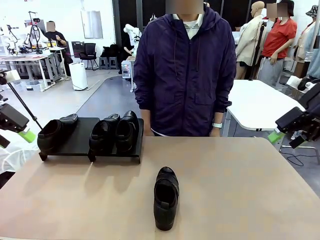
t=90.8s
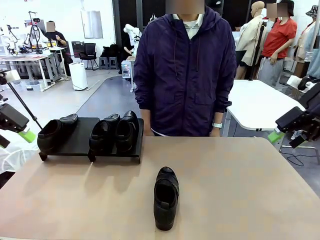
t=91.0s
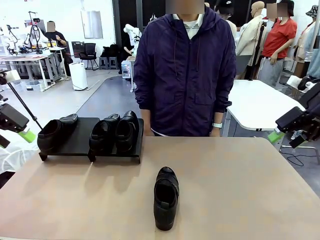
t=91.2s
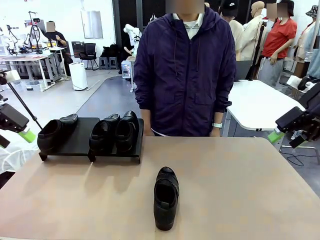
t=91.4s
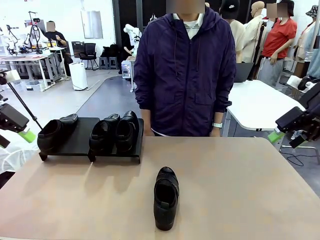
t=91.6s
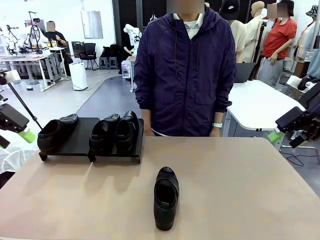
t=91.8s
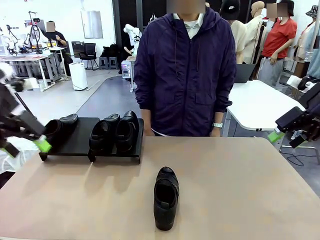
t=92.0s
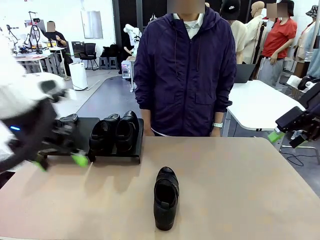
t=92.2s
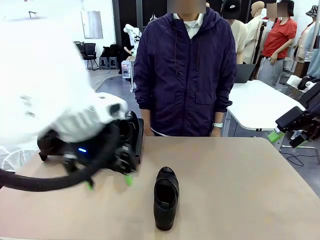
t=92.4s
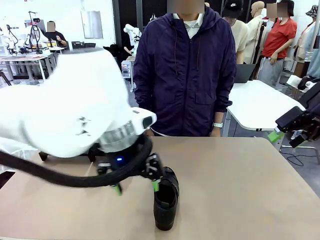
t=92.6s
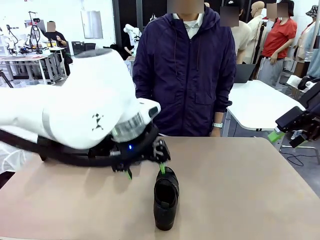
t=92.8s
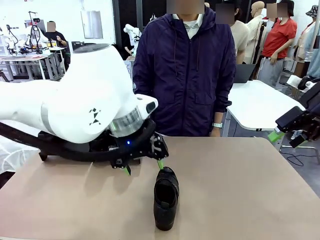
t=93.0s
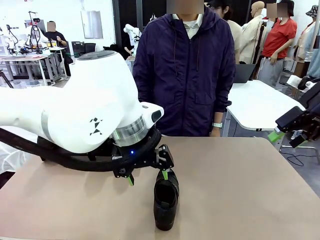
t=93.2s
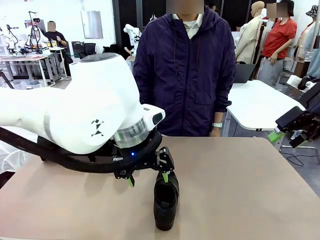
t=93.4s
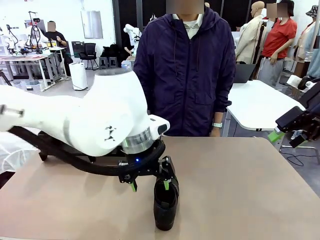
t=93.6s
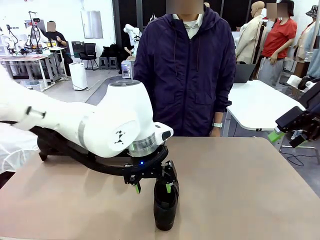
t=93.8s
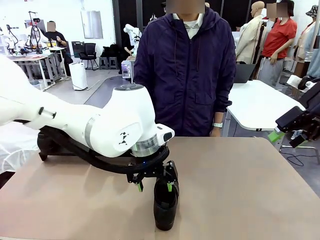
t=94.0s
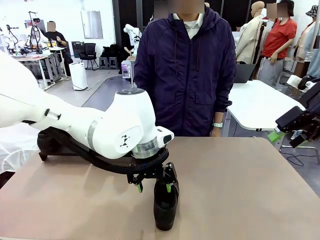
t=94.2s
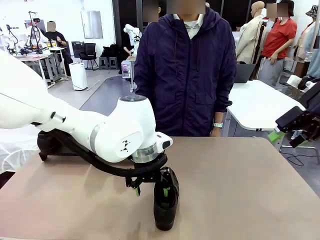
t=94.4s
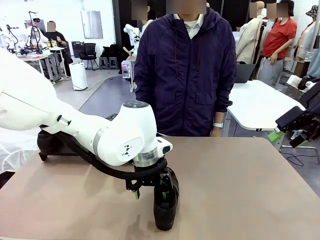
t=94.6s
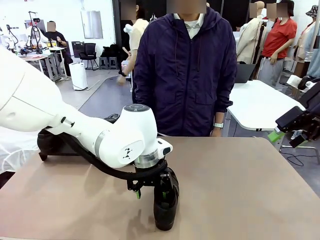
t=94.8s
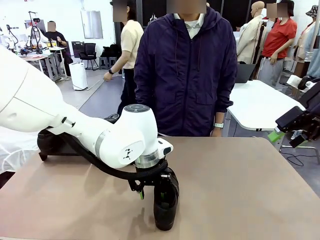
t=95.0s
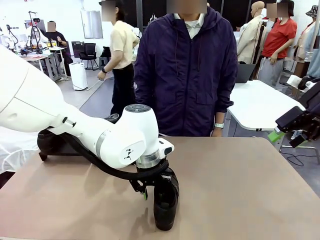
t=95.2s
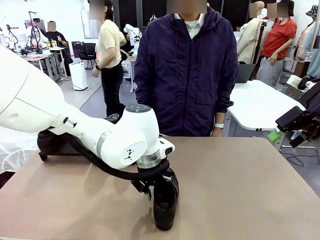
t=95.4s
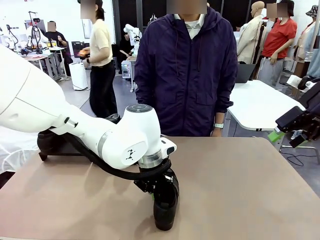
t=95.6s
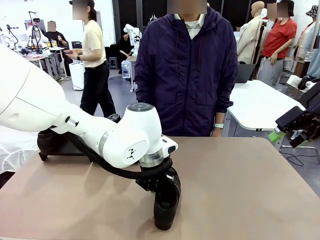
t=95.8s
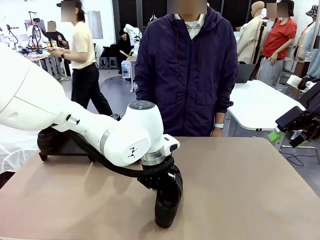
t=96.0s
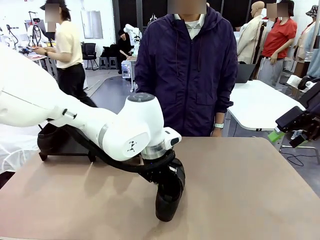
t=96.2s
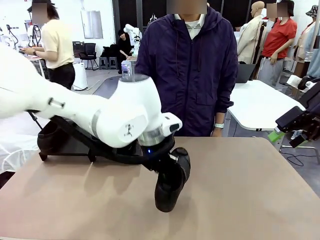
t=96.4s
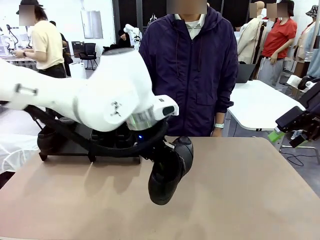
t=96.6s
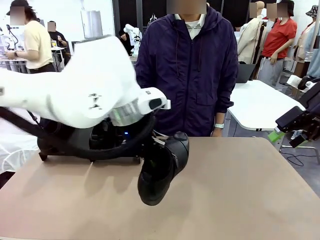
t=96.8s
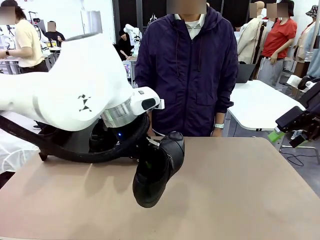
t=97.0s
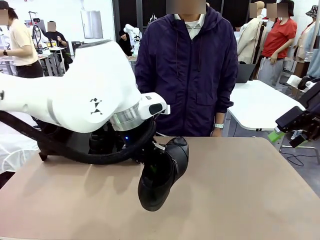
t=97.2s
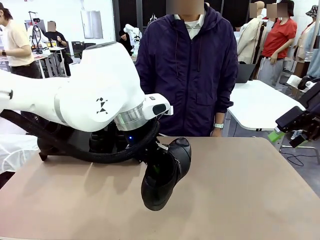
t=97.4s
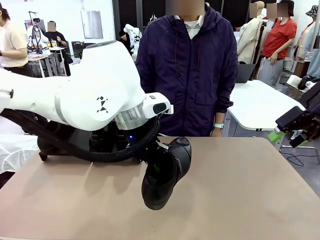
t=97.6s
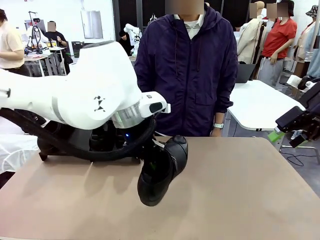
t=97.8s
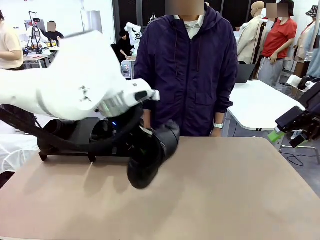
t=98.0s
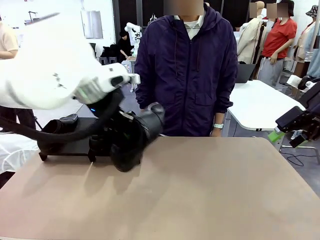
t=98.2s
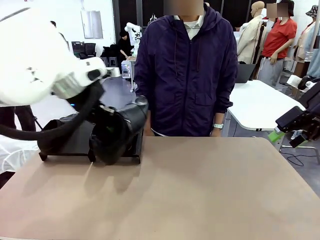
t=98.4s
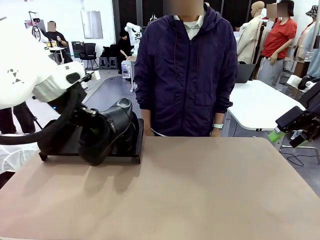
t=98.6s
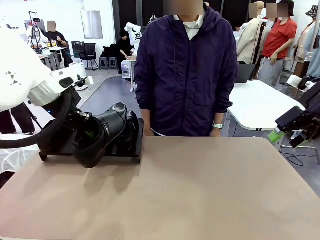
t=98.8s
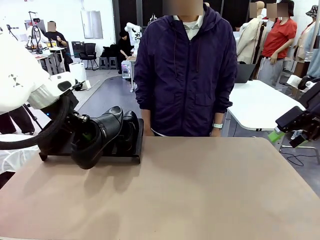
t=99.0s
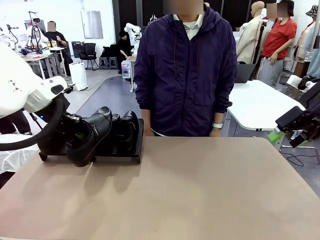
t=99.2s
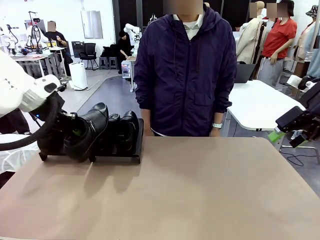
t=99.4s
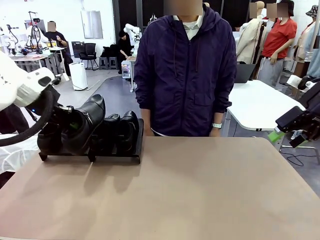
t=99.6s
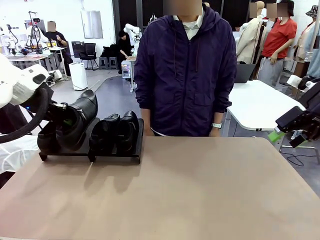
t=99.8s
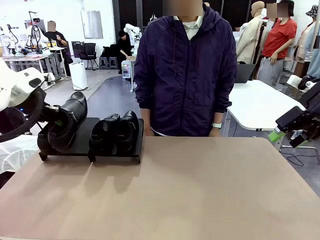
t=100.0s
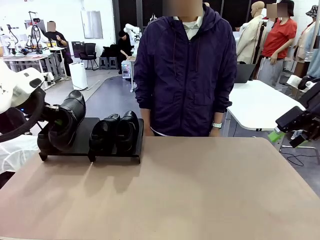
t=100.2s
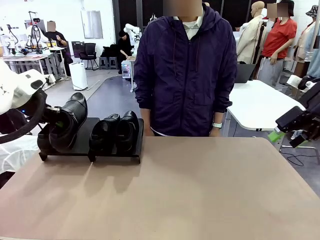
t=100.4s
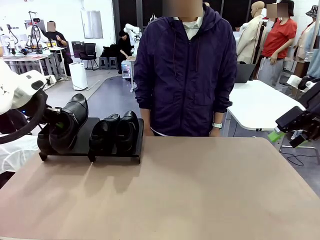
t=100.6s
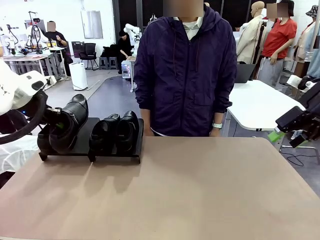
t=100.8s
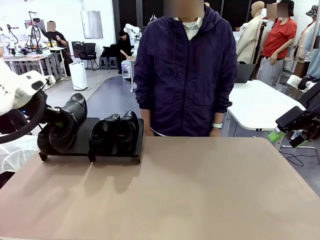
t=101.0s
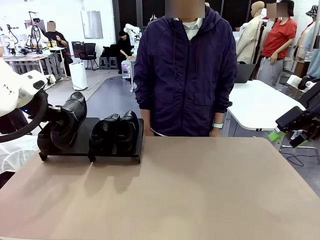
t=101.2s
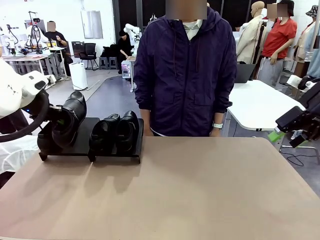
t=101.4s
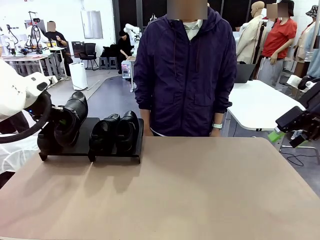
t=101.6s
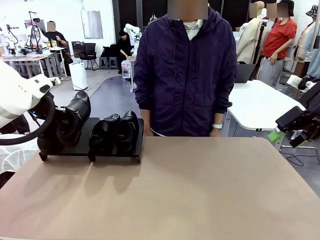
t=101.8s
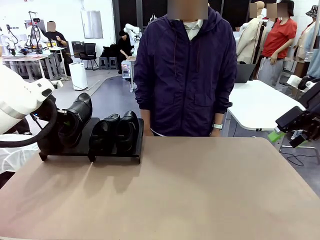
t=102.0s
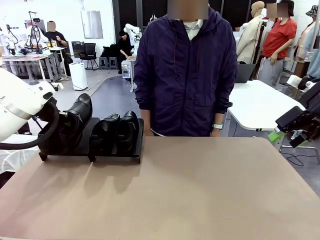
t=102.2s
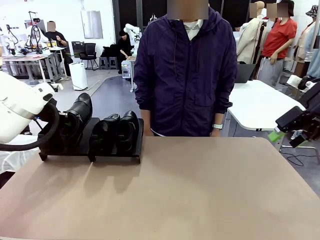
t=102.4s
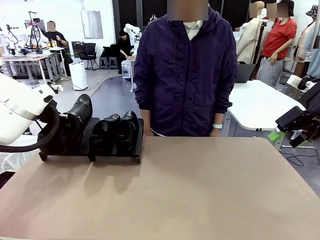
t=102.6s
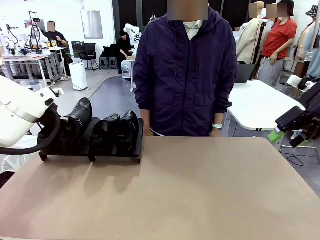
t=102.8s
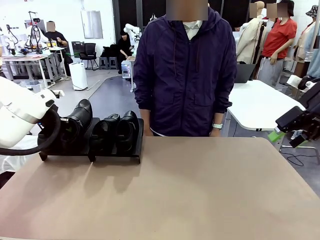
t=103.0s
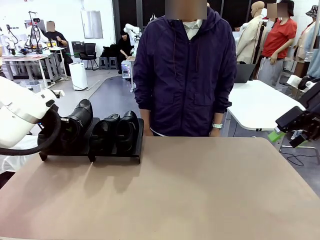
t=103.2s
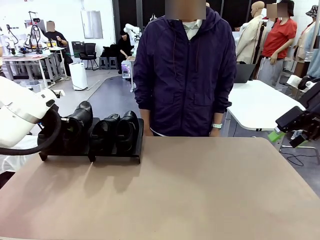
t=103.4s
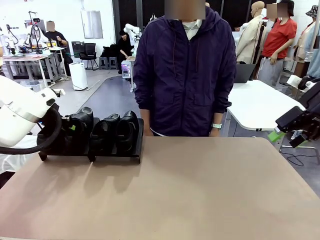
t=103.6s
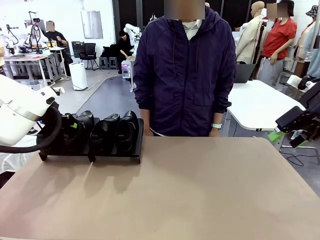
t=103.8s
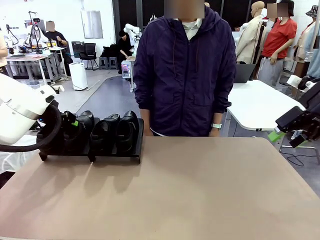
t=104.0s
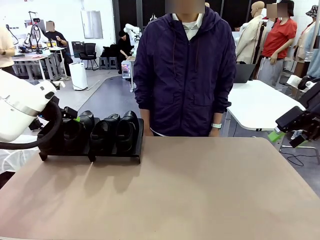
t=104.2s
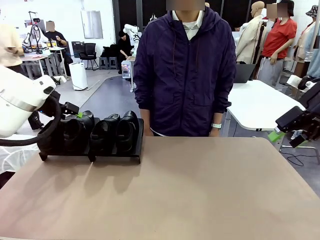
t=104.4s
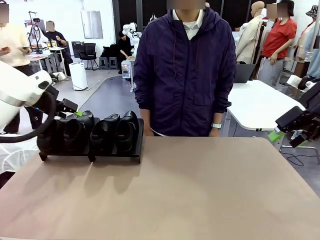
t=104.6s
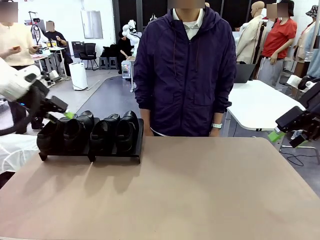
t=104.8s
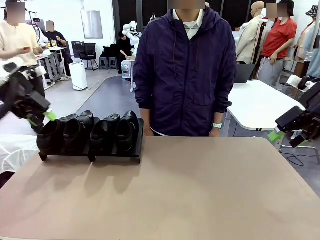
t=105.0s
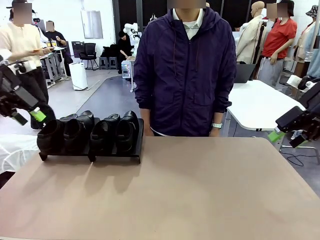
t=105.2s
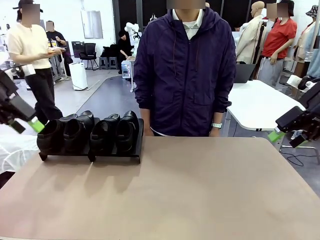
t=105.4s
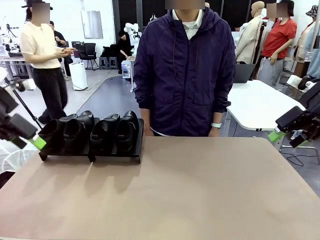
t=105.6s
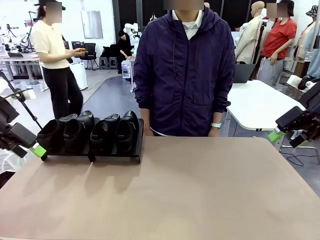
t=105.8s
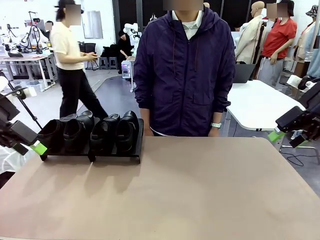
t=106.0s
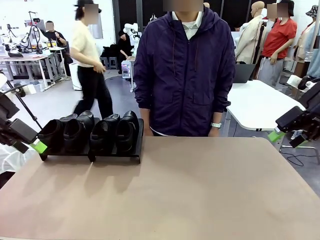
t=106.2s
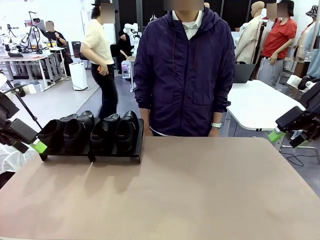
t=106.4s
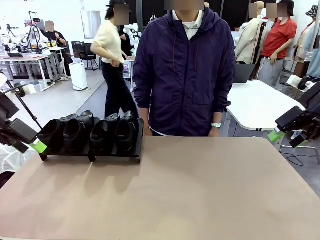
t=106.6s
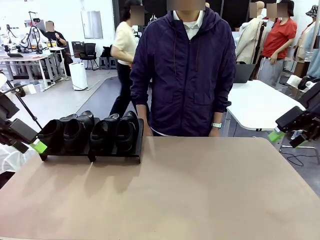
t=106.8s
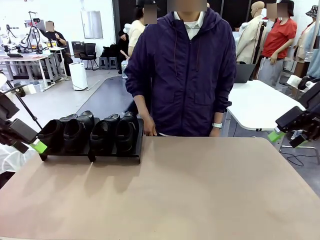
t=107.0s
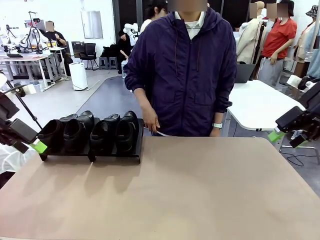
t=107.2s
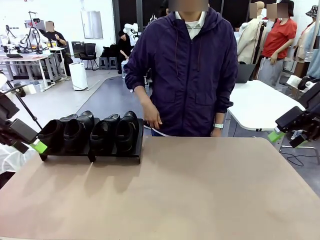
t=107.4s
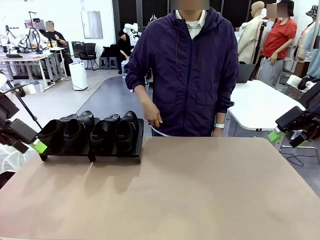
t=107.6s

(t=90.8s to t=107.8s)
Task: Organize the shoes by placing them on the stand.
Robot: Place the Shoe from the middle of the table onto the Shoes Stand.
